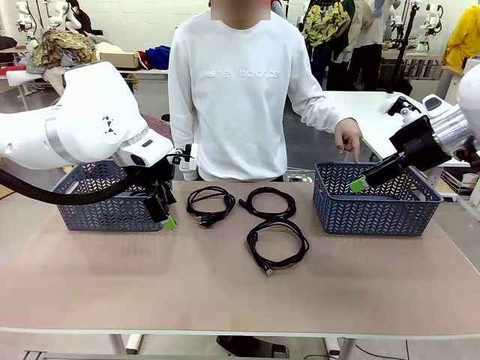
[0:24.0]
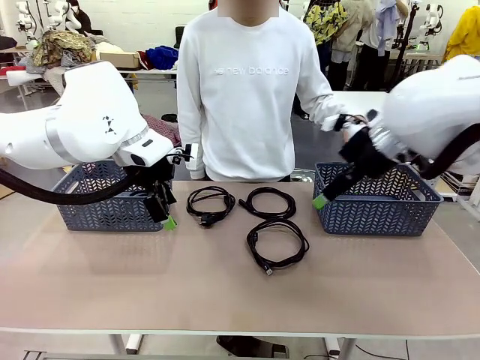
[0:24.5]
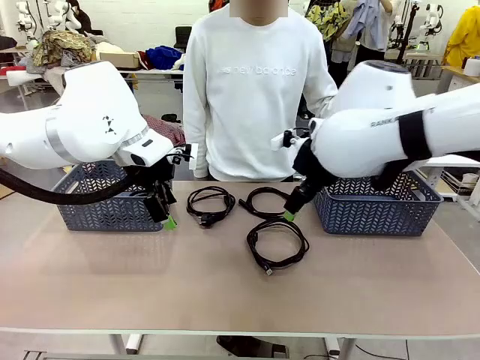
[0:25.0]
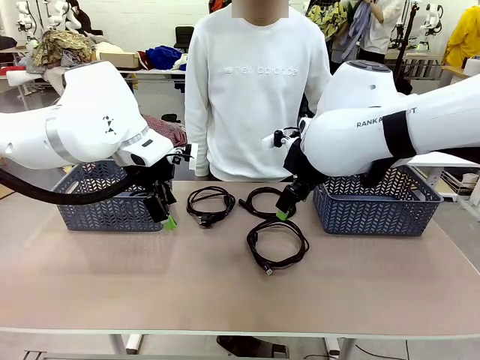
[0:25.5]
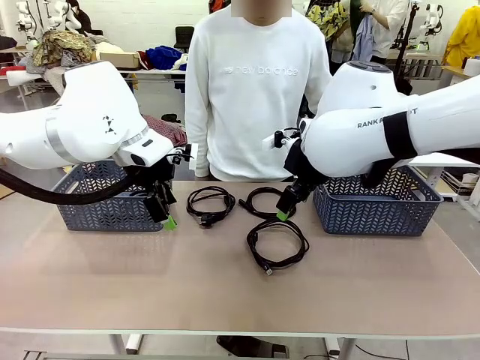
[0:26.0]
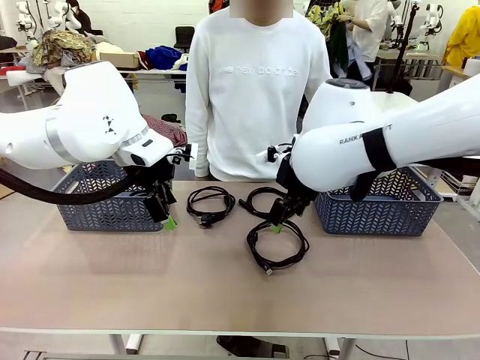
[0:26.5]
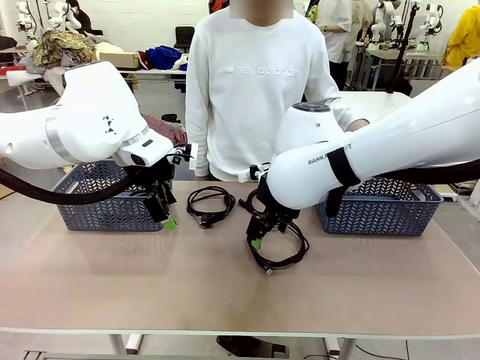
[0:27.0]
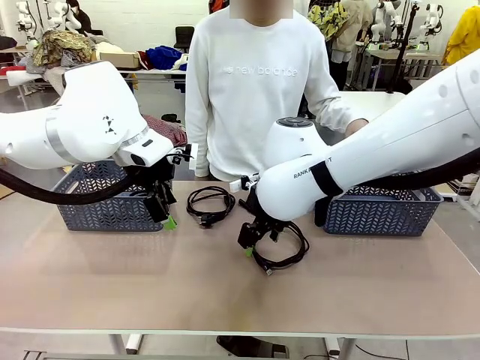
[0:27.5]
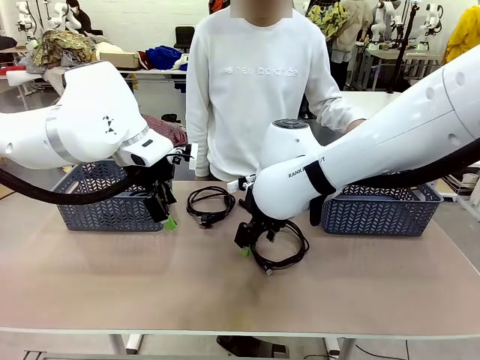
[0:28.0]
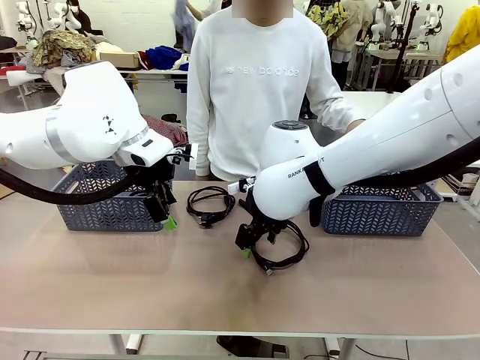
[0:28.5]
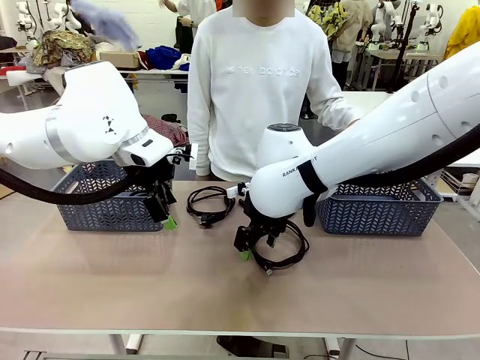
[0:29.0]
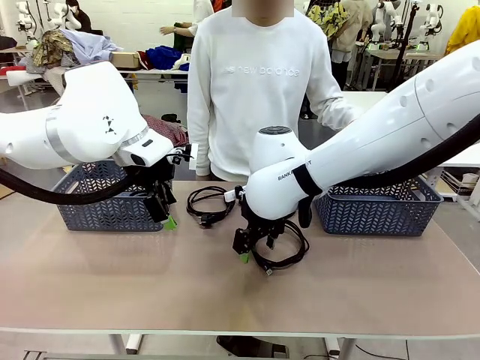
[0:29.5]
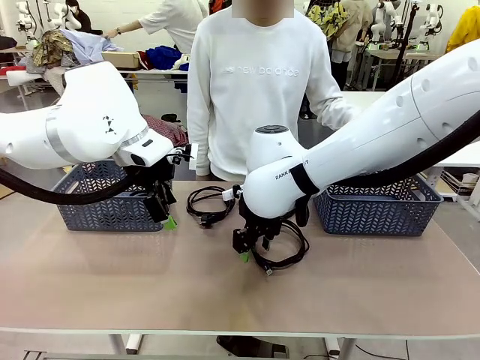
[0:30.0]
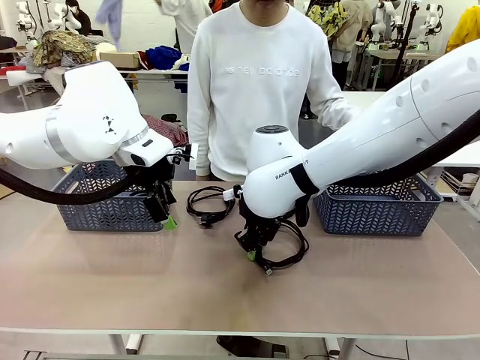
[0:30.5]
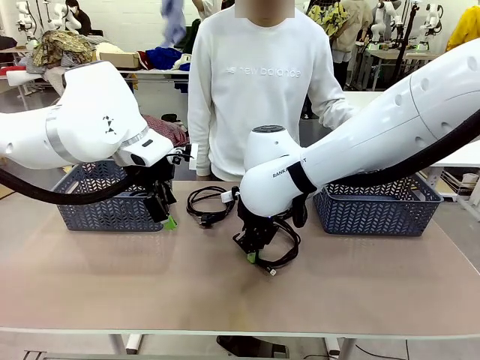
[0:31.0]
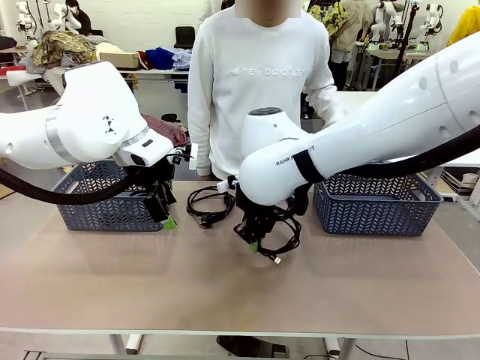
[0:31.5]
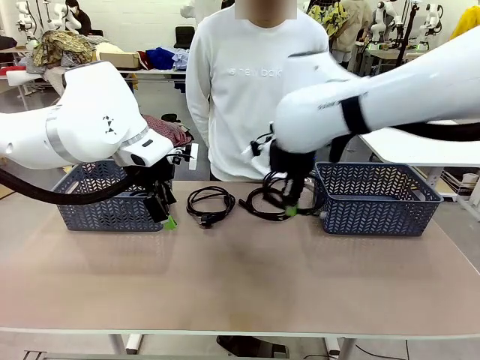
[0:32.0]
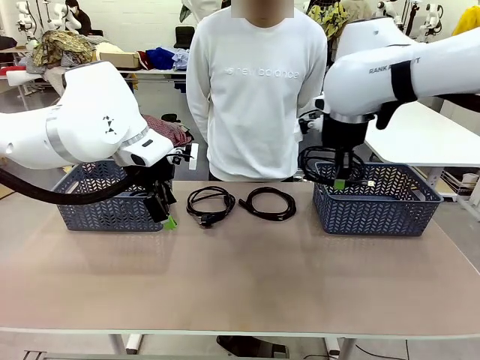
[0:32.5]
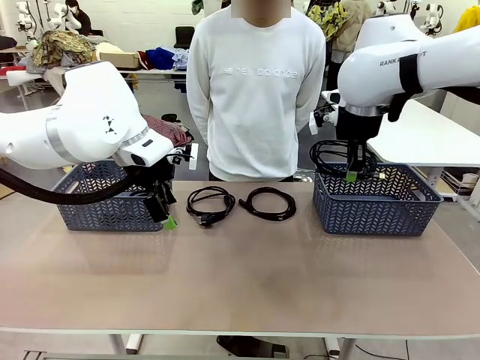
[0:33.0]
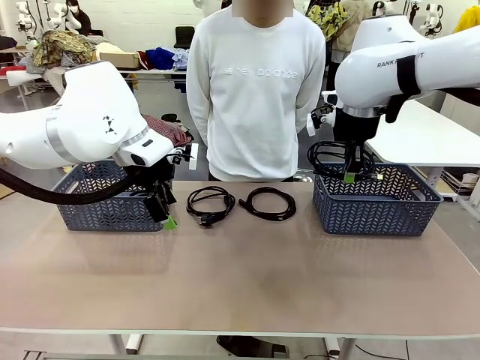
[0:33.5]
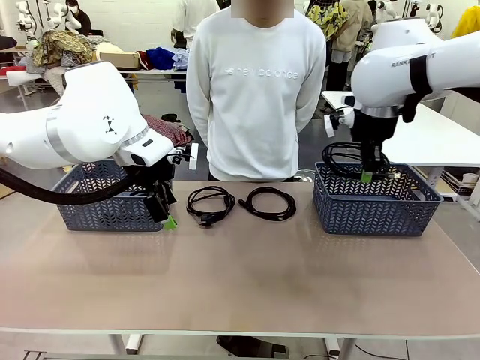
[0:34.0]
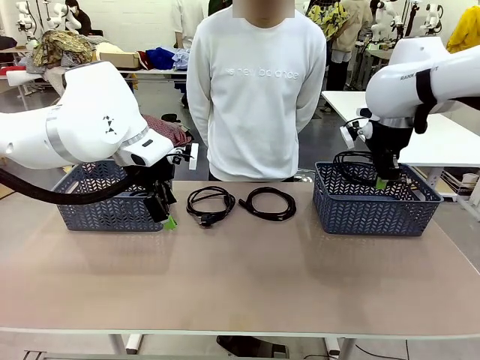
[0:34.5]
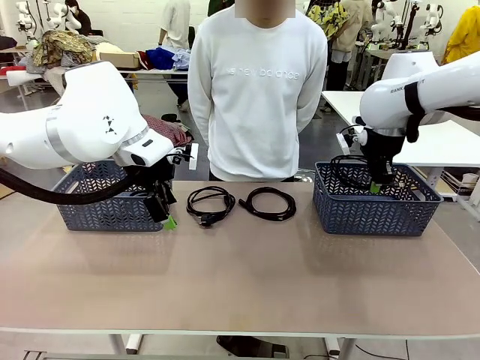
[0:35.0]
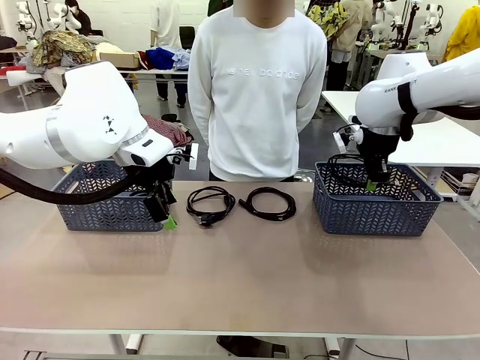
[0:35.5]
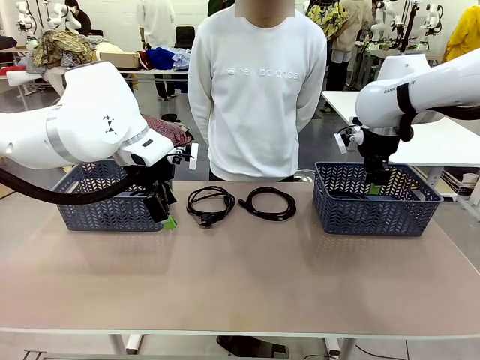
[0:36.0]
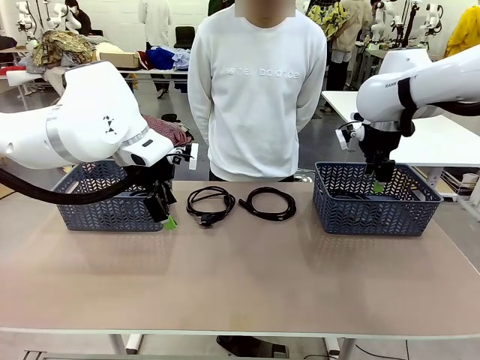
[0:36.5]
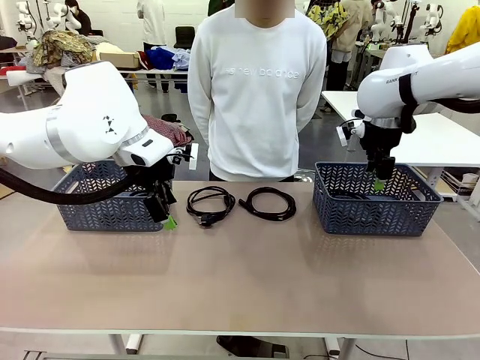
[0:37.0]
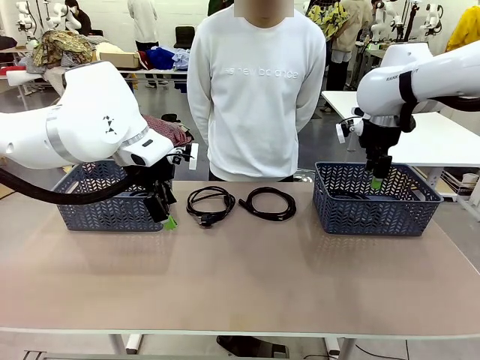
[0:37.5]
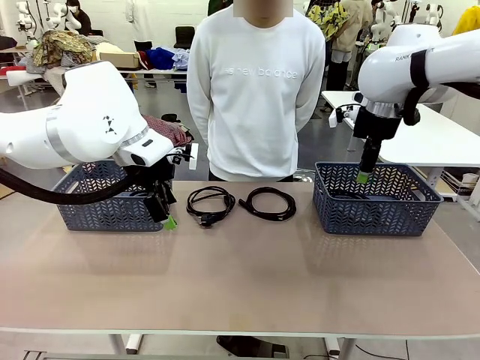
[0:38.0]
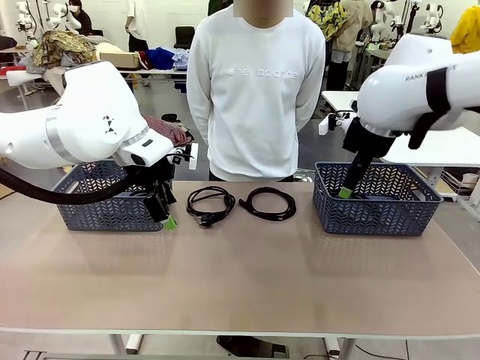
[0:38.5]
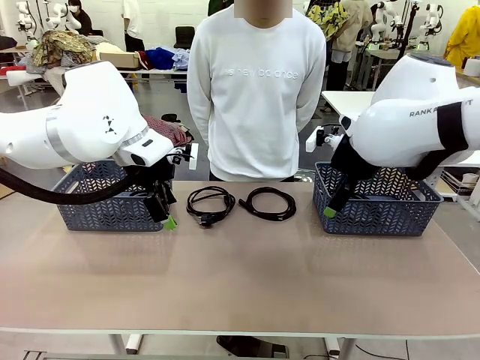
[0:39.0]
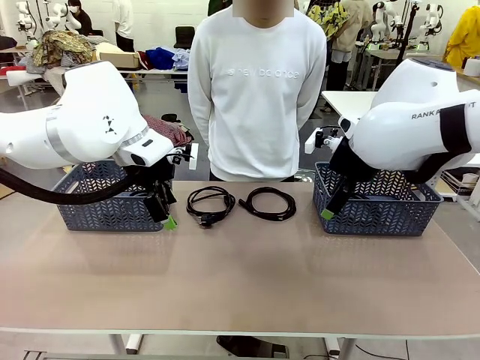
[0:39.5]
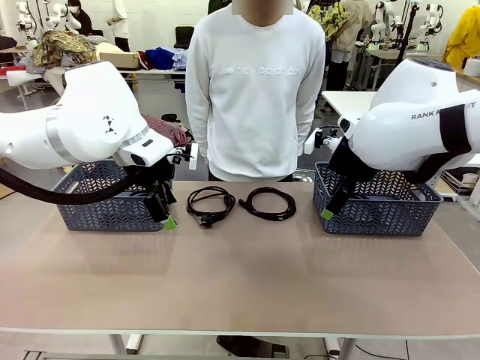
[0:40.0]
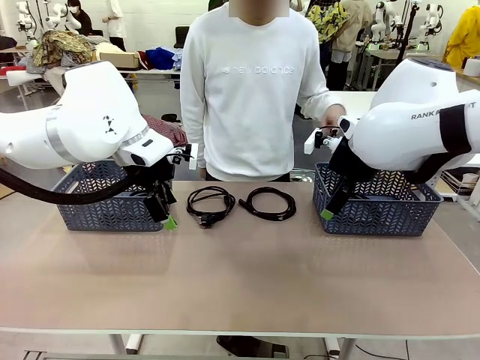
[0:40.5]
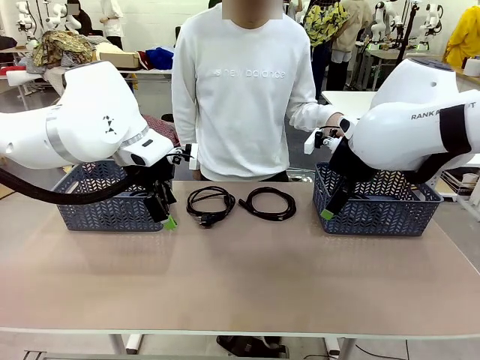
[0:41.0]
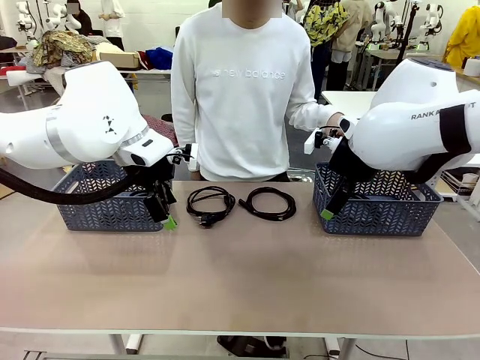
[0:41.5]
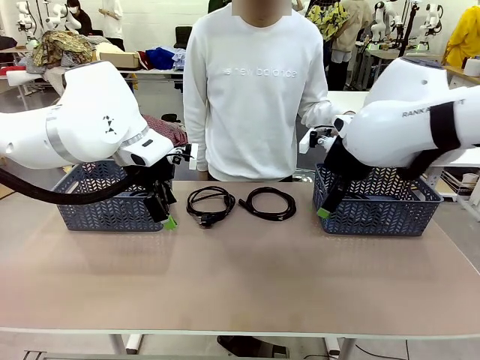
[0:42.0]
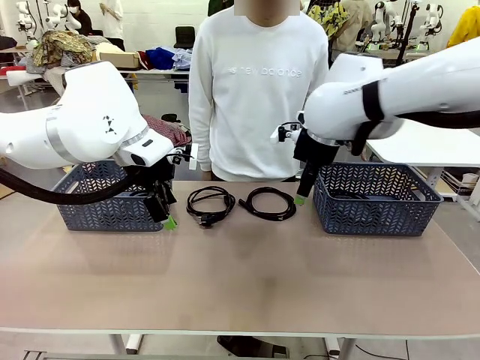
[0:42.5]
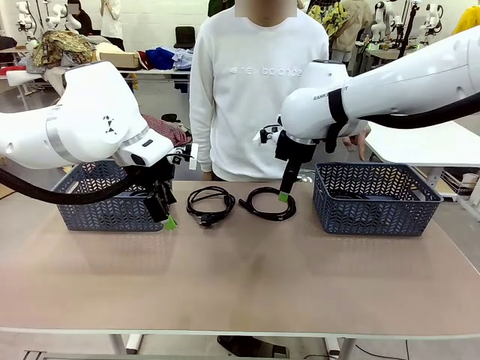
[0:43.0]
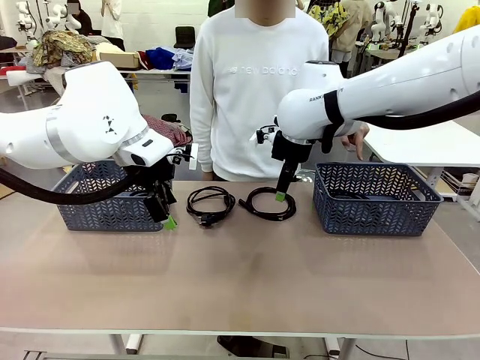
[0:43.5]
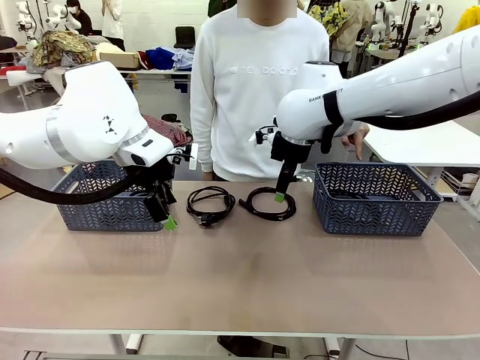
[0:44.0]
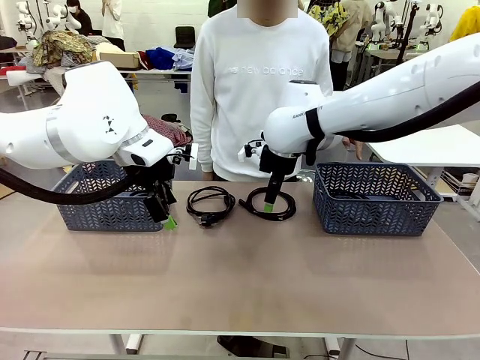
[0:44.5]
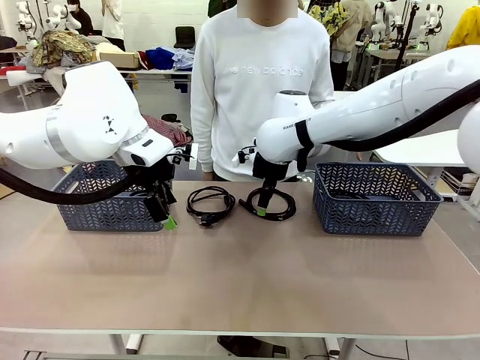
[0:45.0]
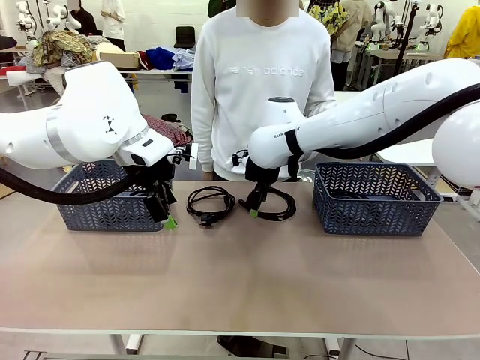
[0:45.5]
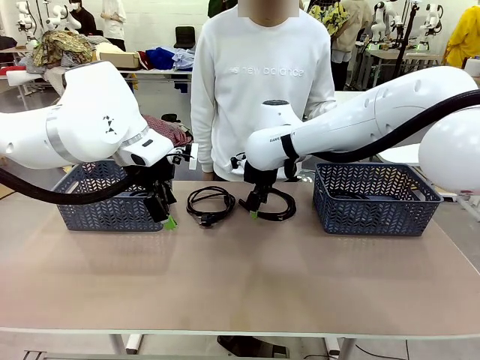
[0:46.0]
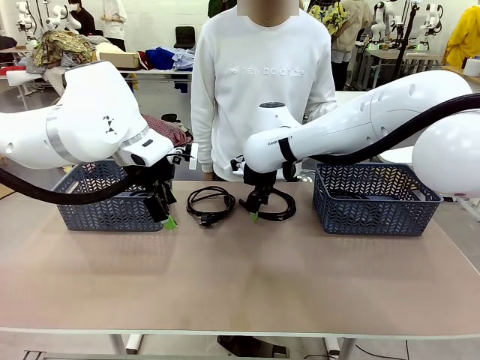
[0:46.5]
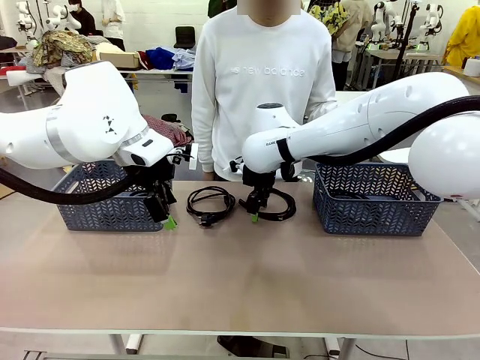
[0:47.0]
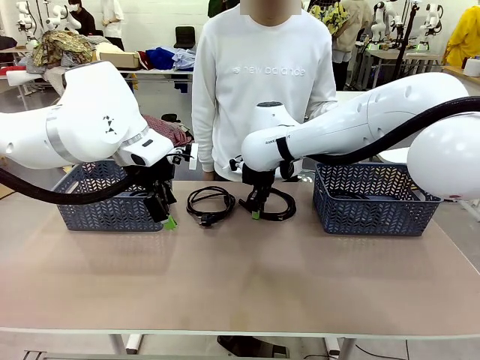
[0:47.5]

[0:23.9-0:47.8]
Task: Organize the cables according to human instructions.
Robot: Pick up a bundle of cables and place it in the basket indicated by the human.
